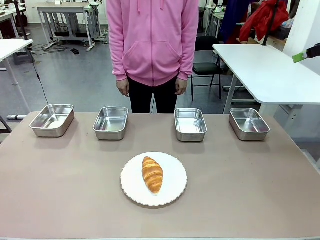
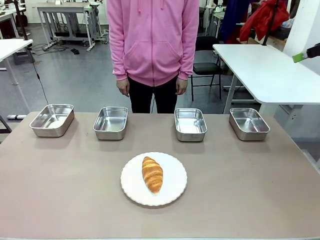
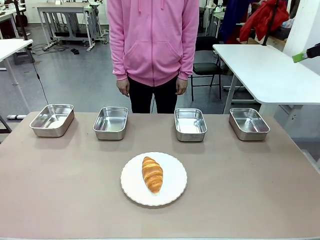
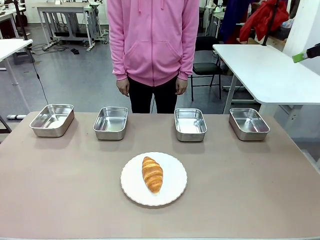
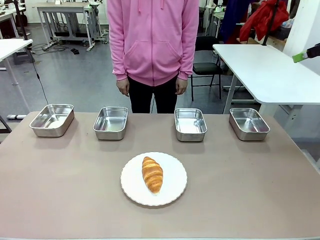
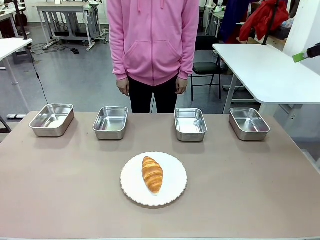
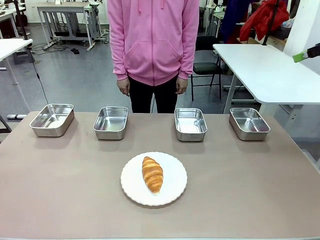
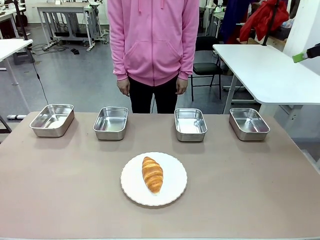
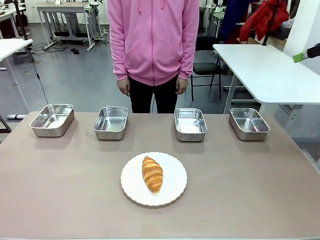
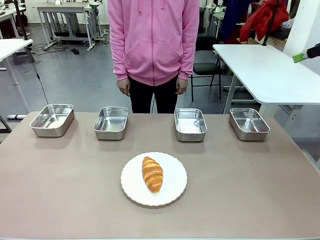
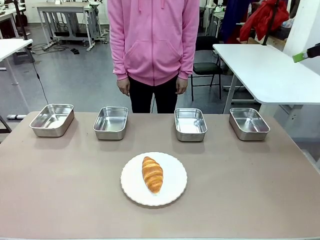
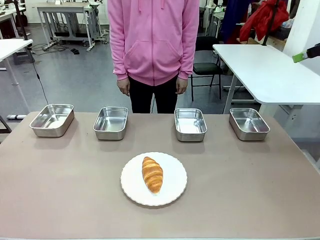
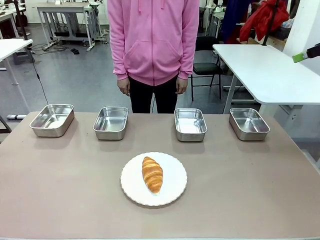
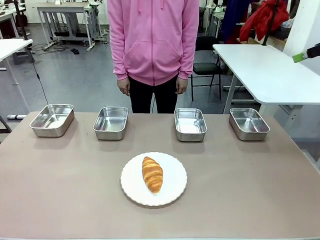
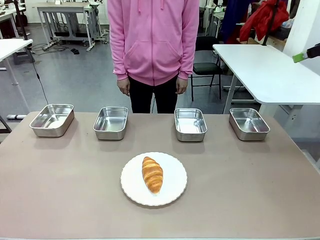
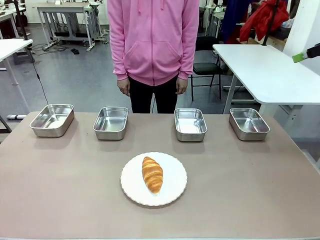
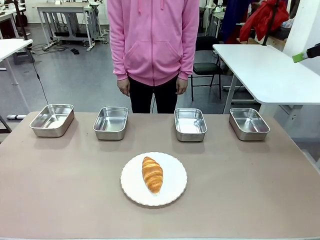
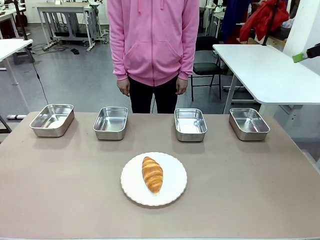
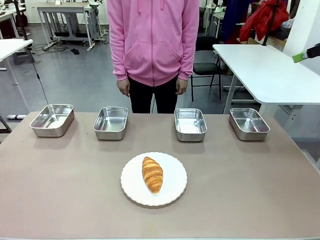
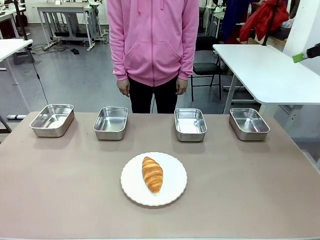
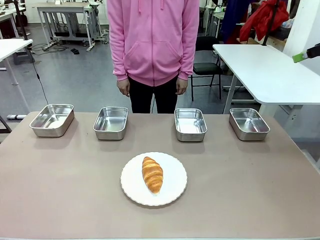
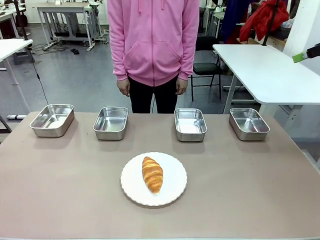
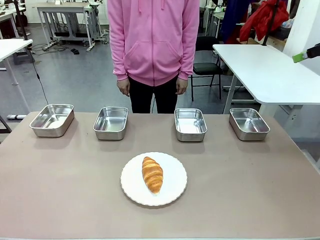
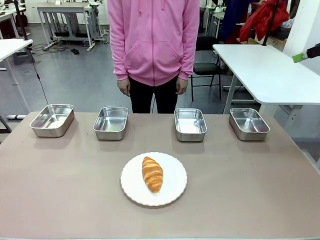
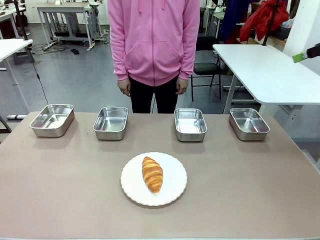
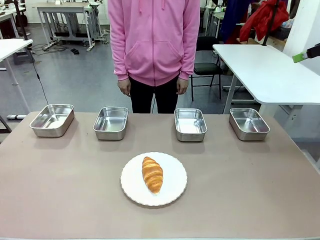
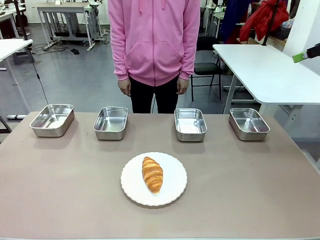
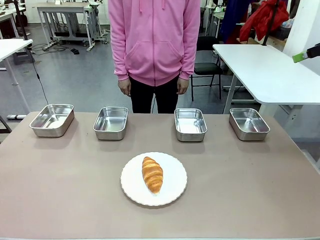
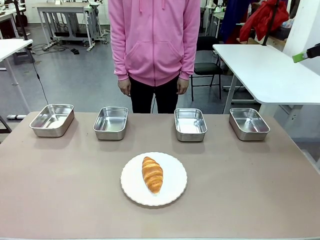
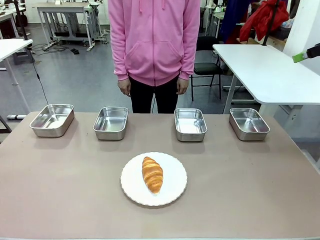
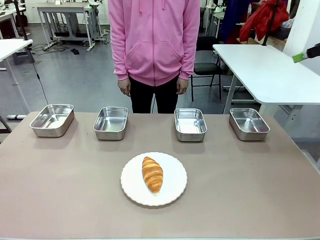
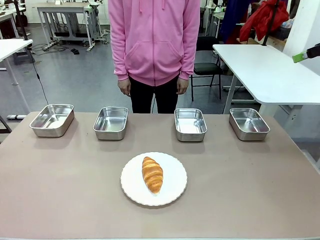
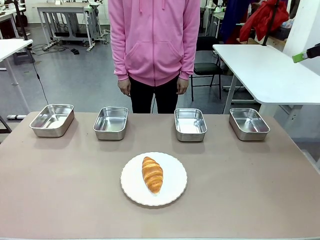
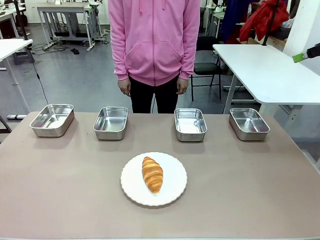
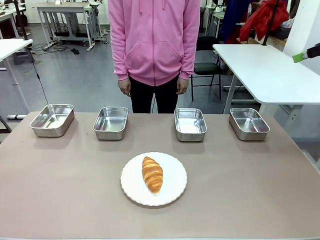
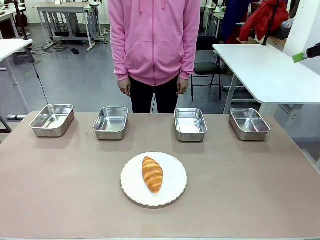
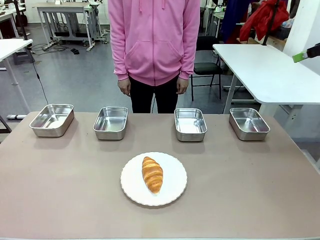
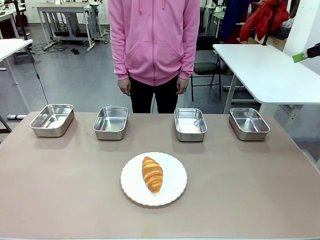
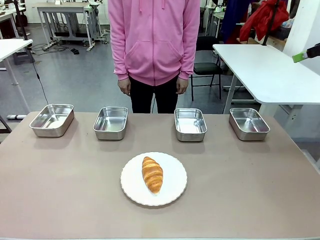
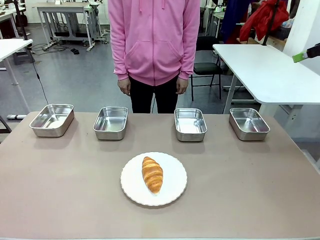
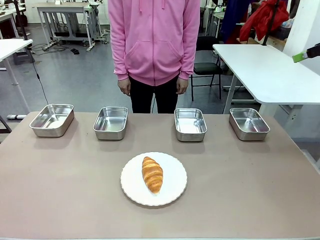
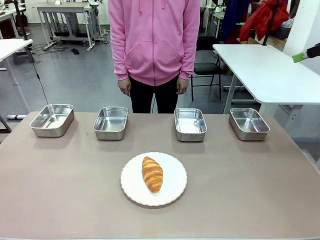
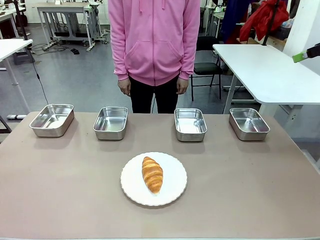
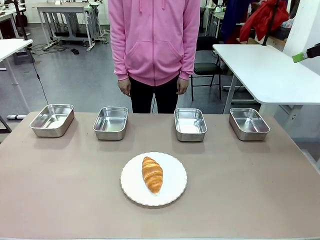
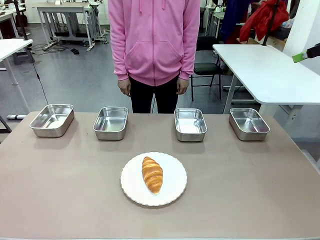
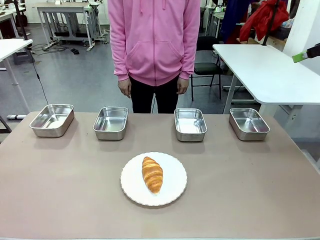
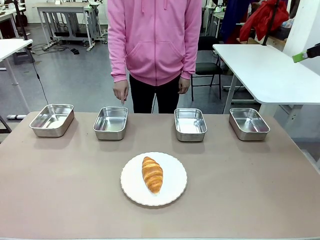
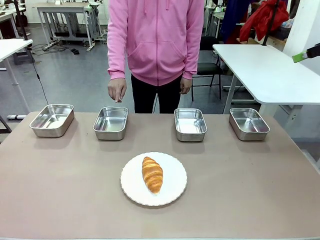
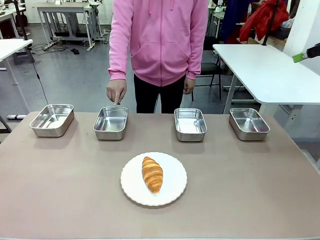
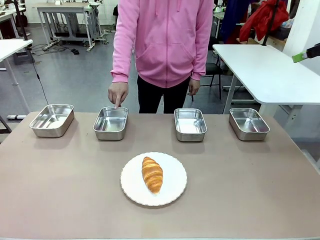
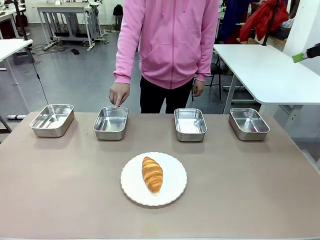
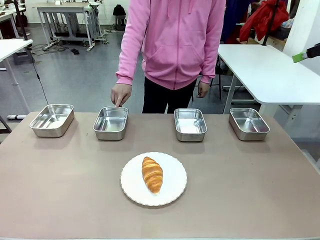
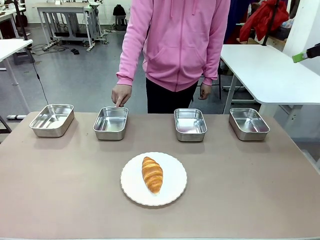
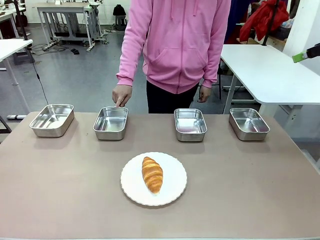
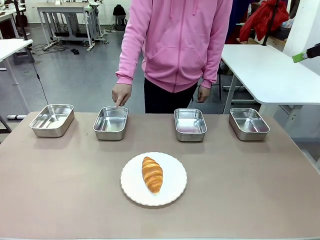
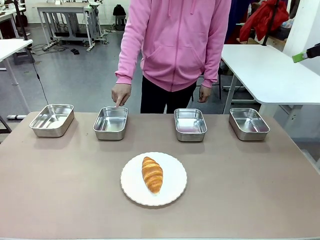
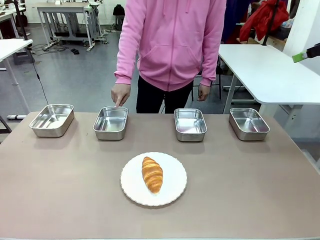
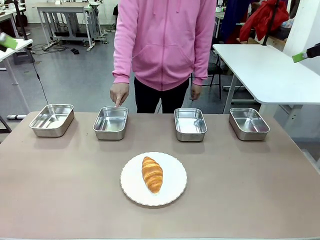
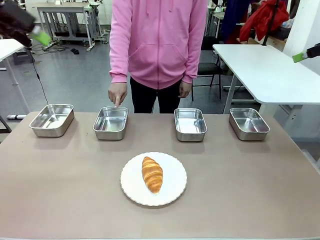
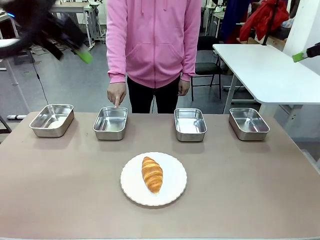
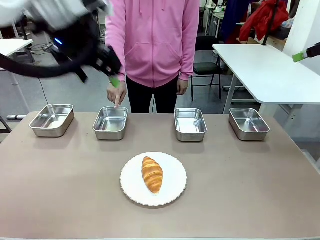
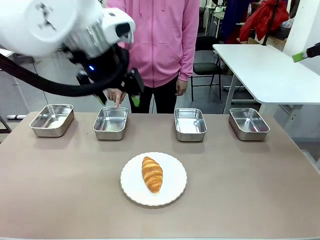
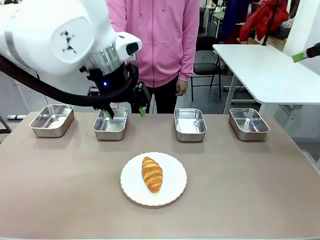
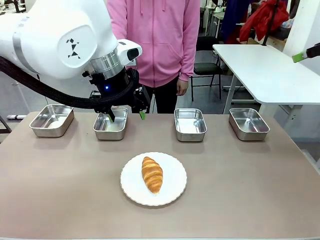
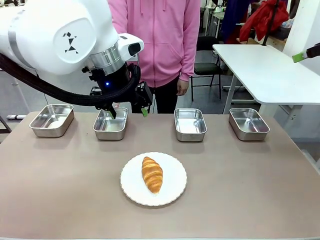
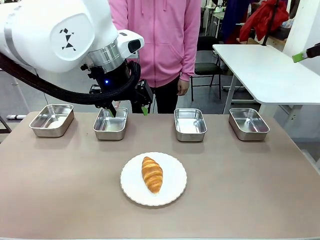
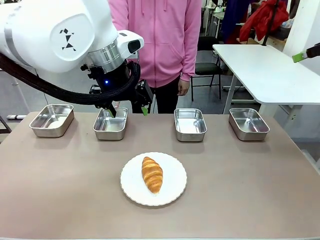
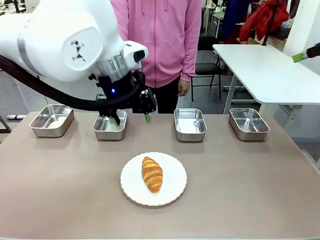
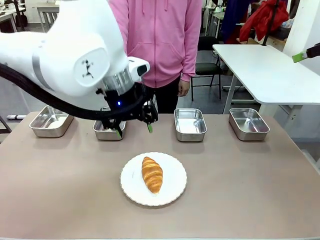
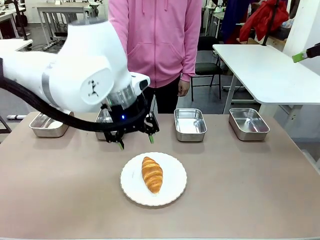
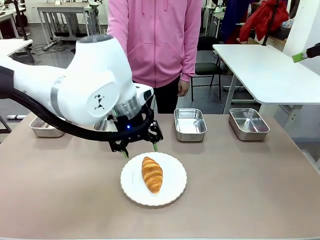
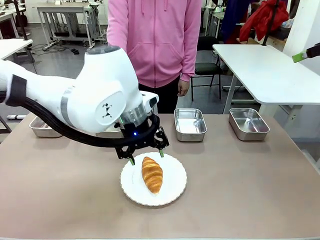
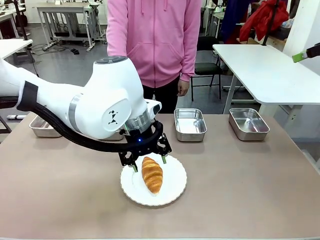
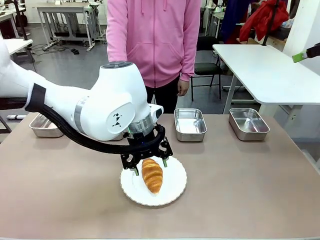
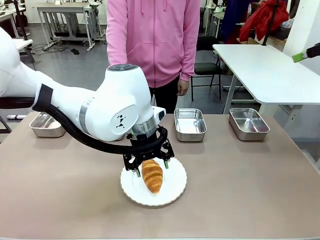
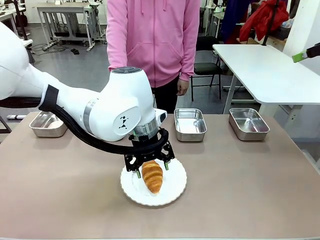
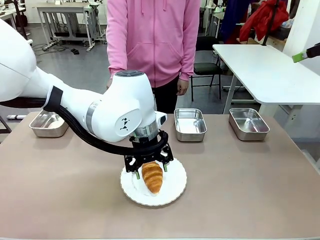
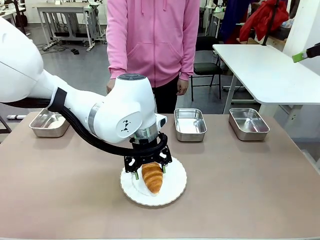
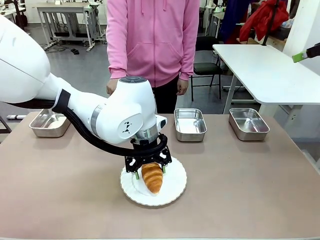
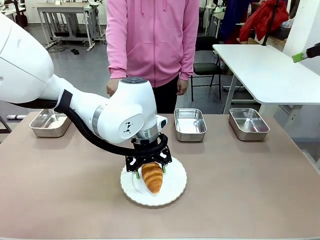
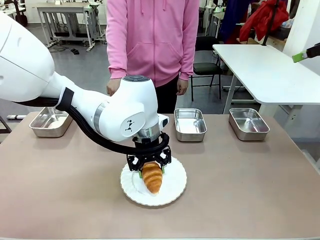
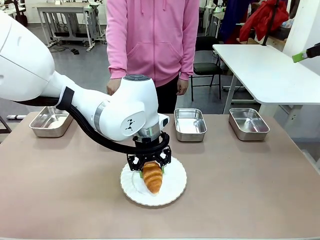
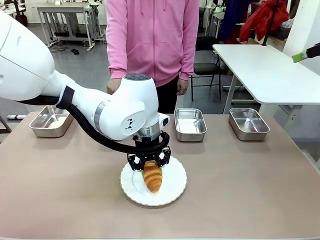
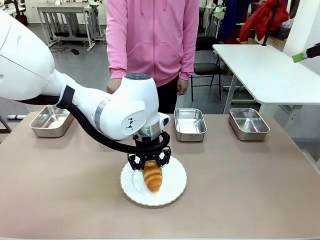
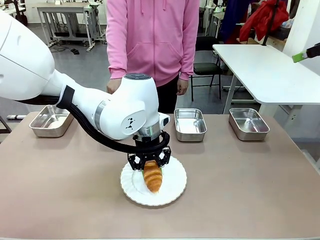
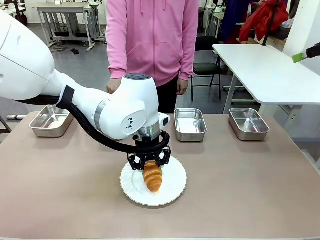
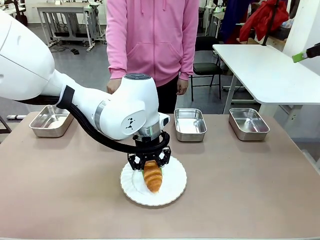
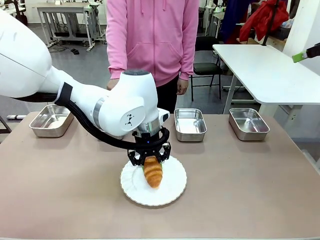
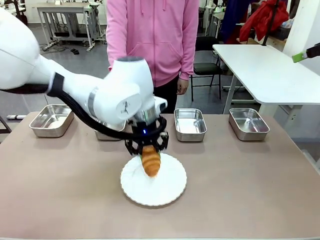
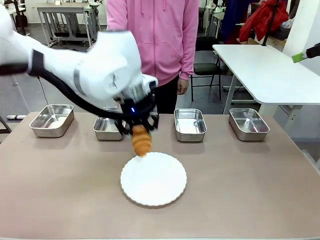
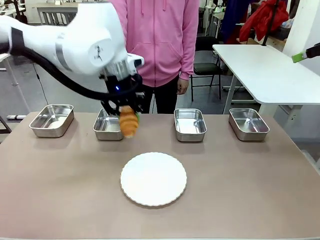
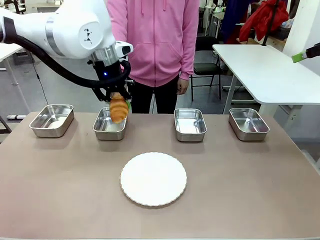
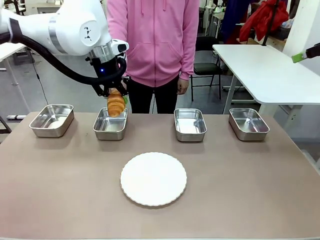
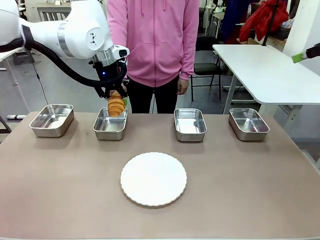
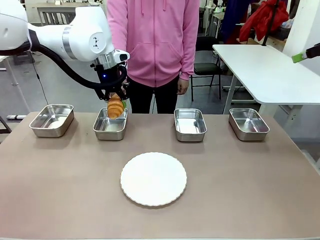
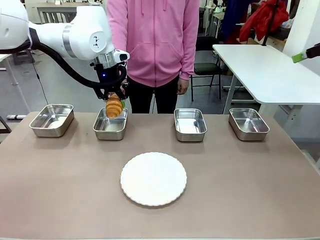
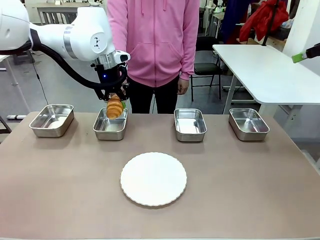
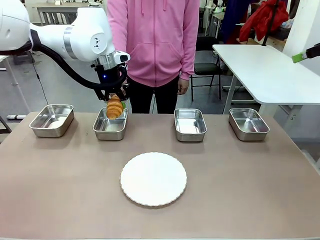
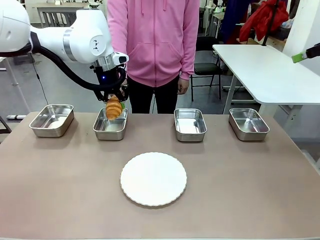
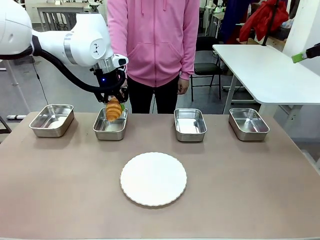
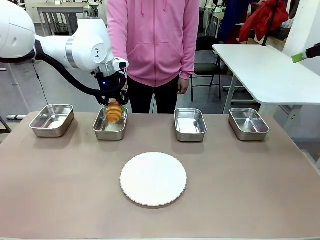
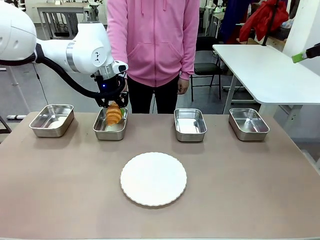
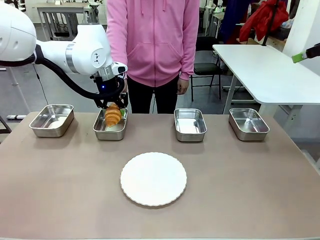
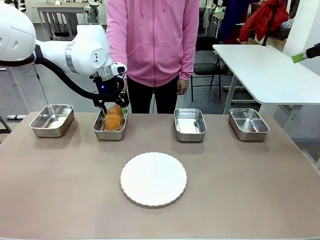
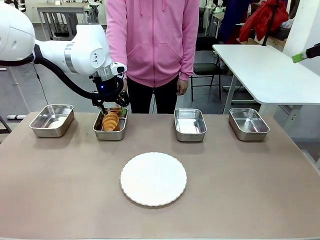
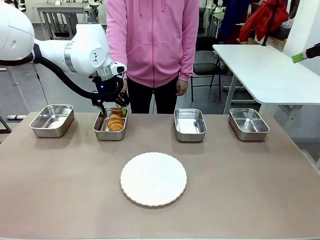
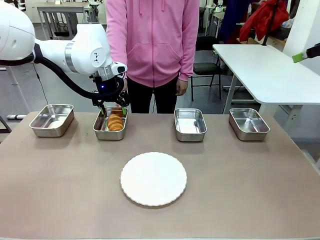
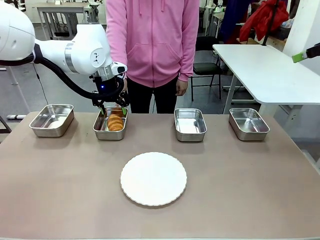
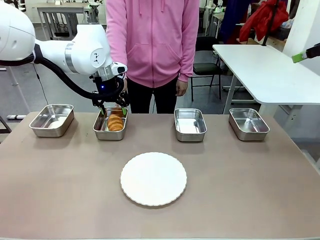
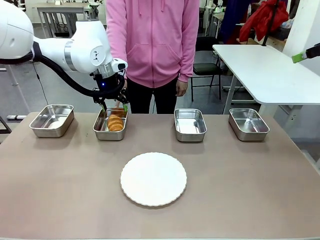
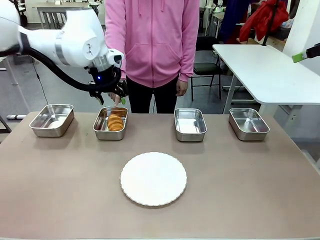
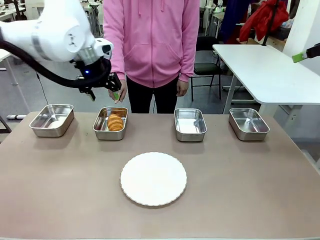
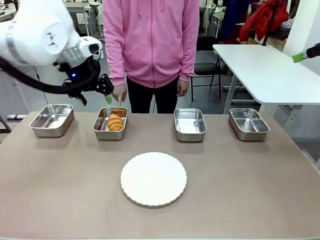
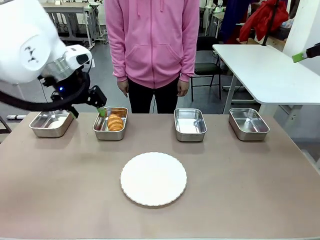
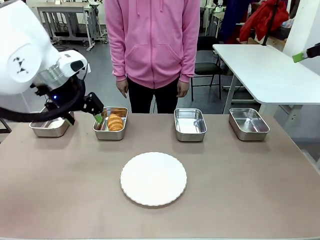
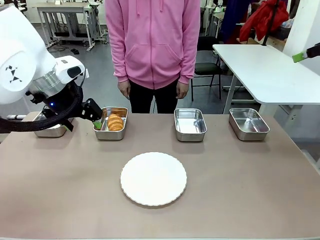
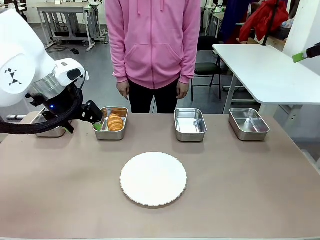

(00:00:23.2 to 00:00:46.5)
Task: Place the bread in the container.
Robot: Place the Butter Roll into the Airtight Container indicated by the human.
Person: A person randomly selects and points to an Airtight Container.
